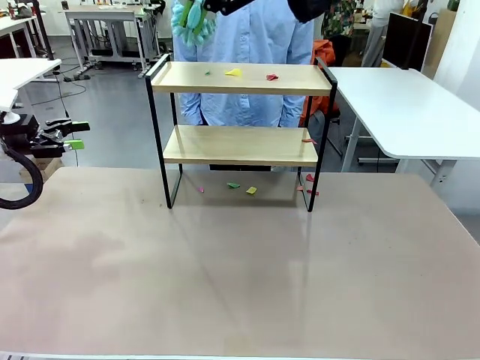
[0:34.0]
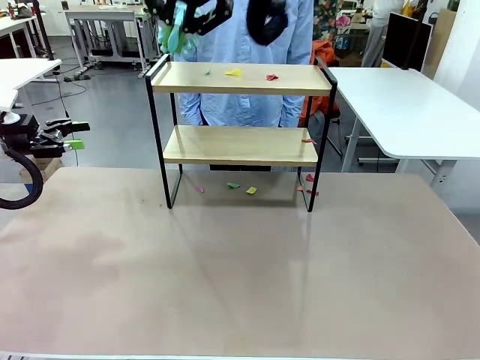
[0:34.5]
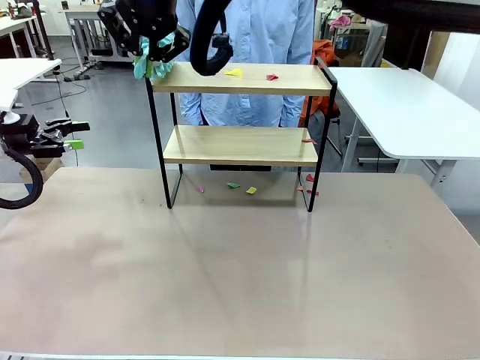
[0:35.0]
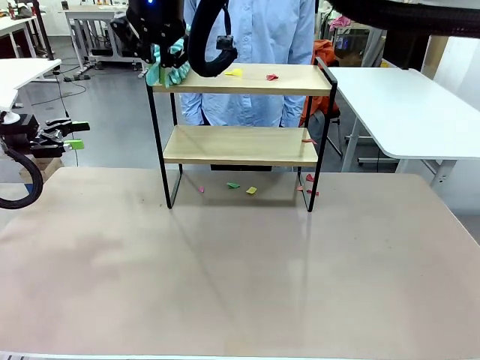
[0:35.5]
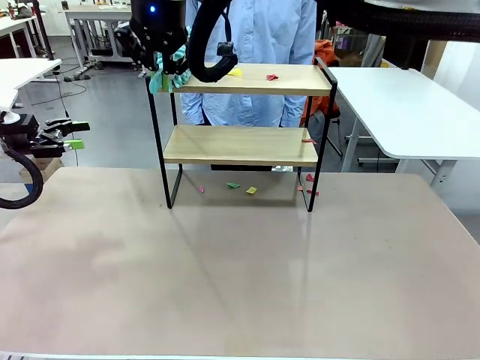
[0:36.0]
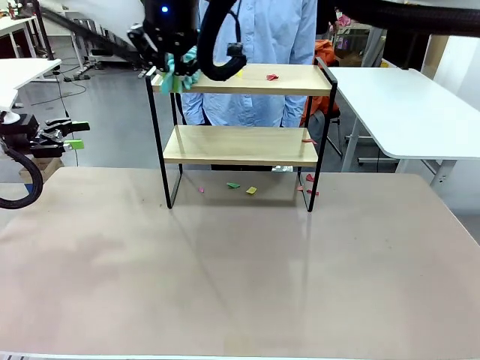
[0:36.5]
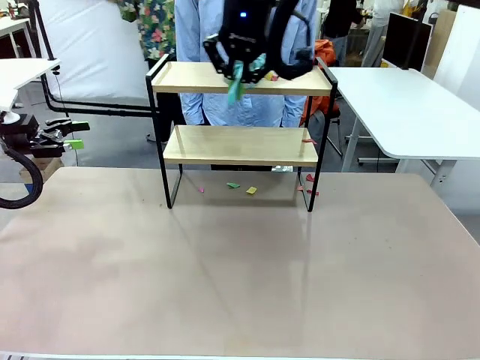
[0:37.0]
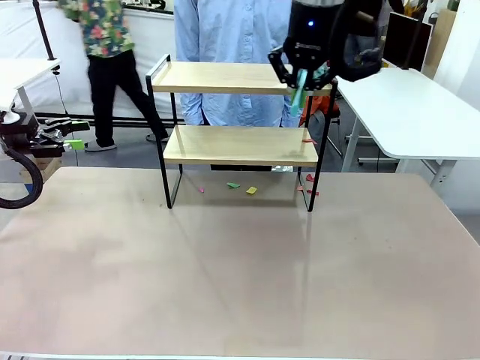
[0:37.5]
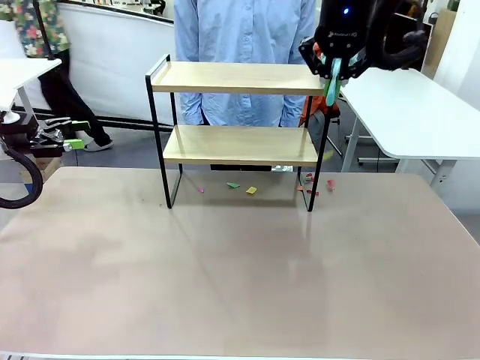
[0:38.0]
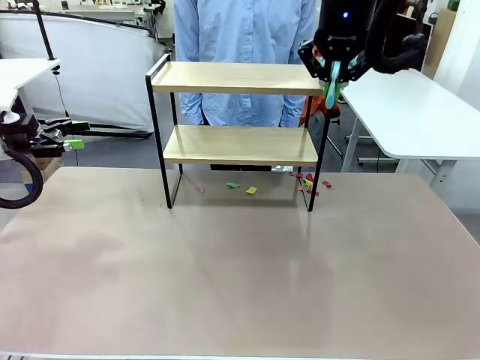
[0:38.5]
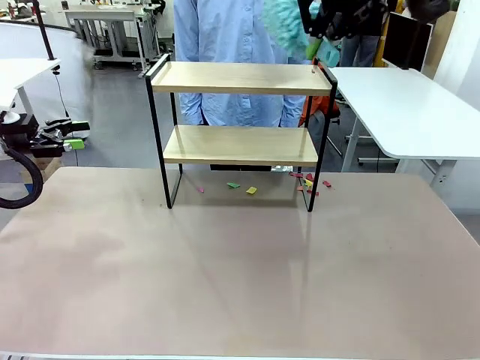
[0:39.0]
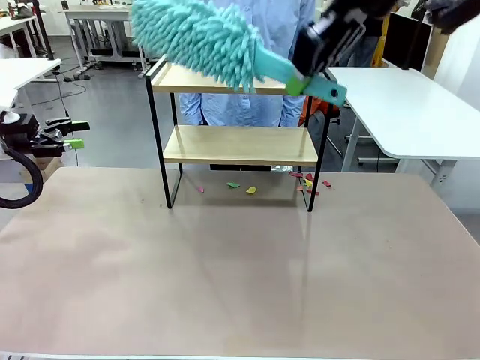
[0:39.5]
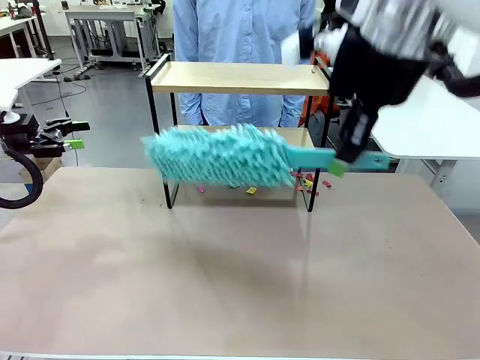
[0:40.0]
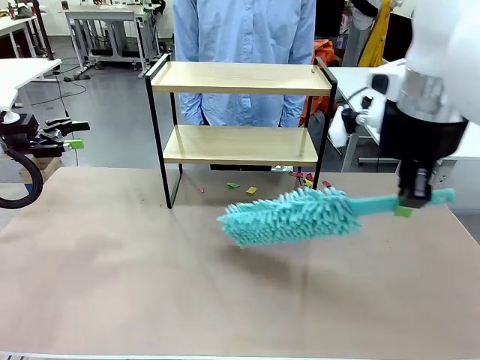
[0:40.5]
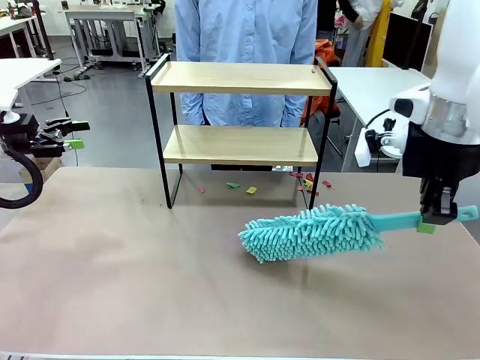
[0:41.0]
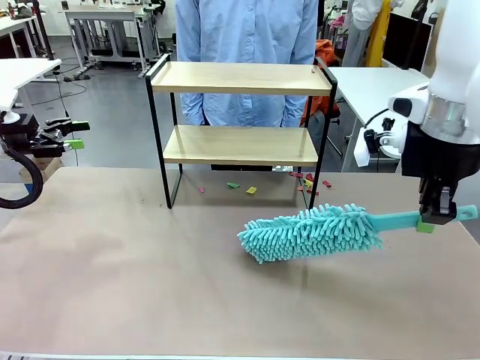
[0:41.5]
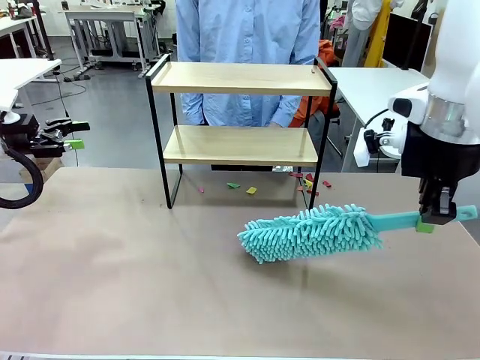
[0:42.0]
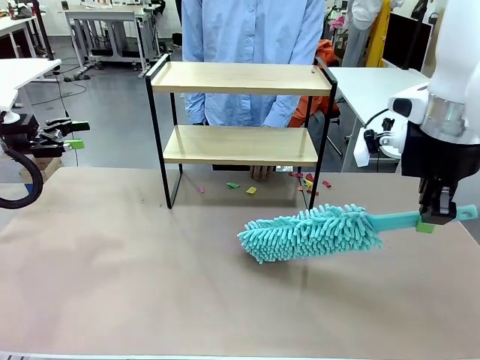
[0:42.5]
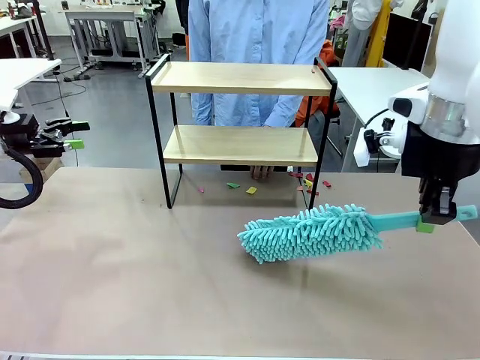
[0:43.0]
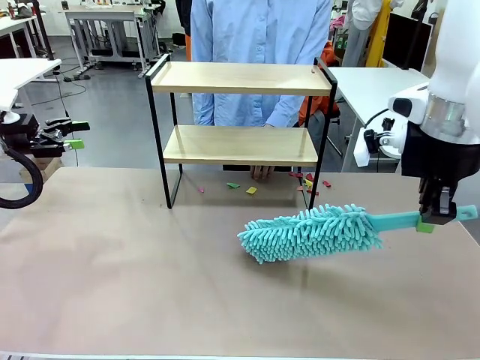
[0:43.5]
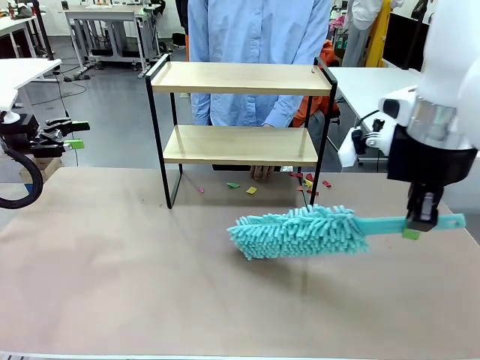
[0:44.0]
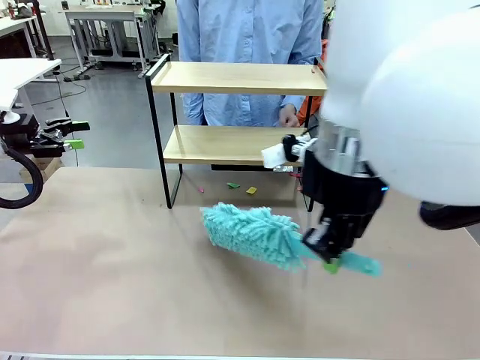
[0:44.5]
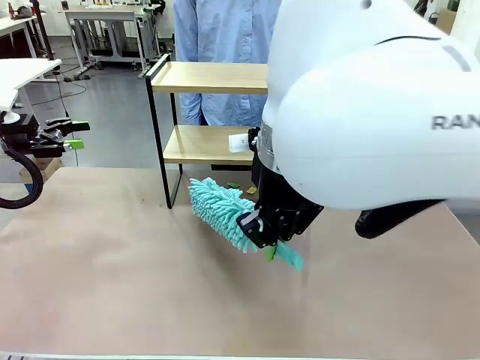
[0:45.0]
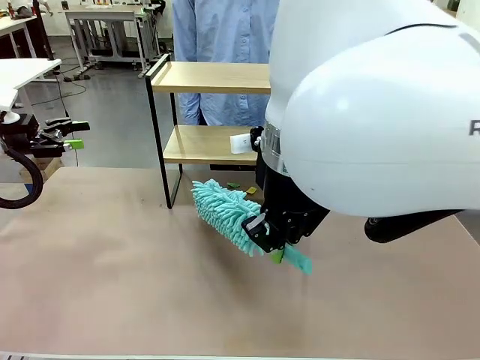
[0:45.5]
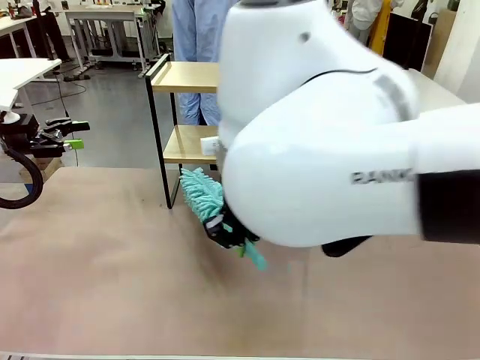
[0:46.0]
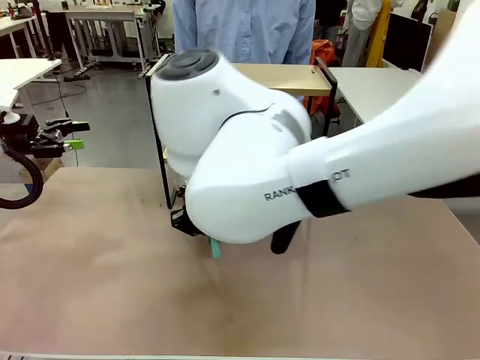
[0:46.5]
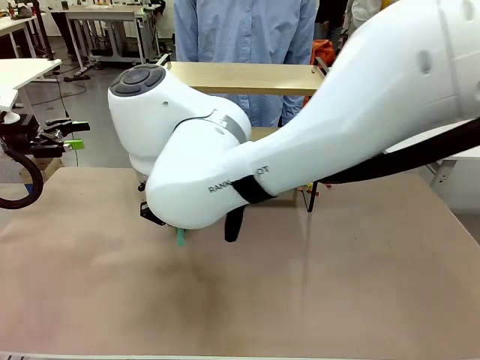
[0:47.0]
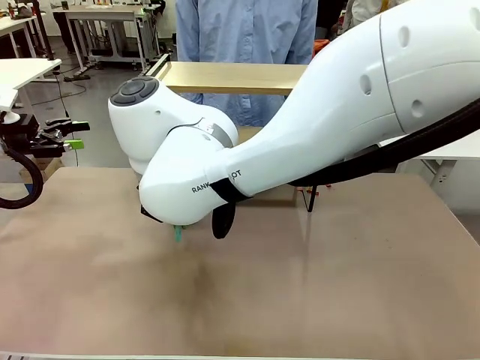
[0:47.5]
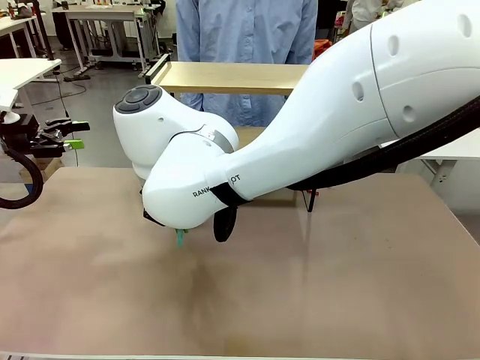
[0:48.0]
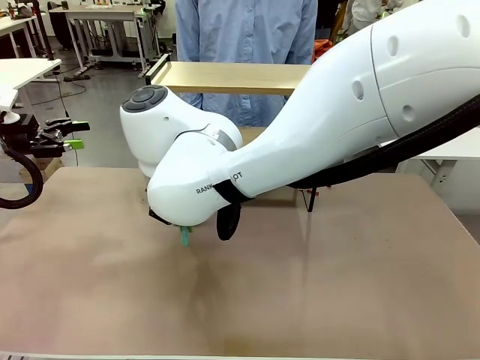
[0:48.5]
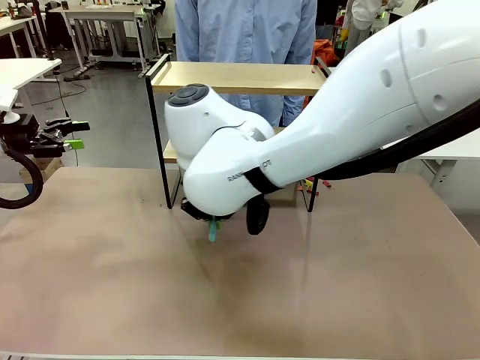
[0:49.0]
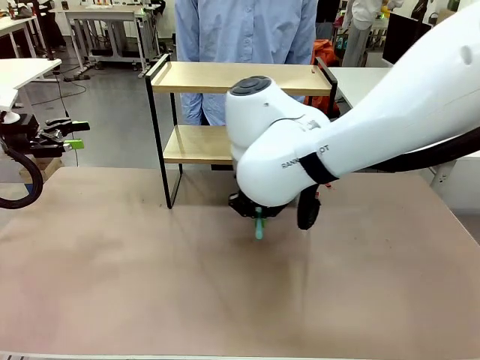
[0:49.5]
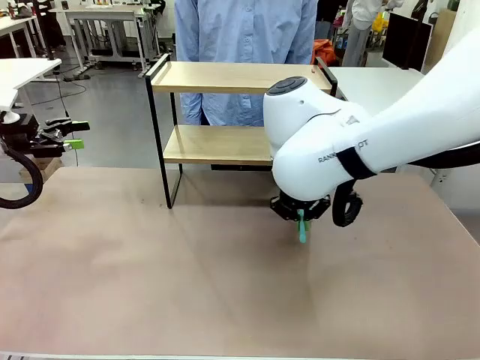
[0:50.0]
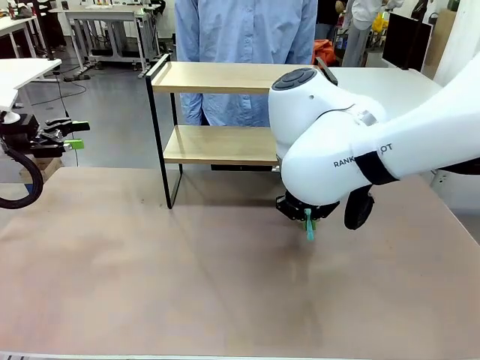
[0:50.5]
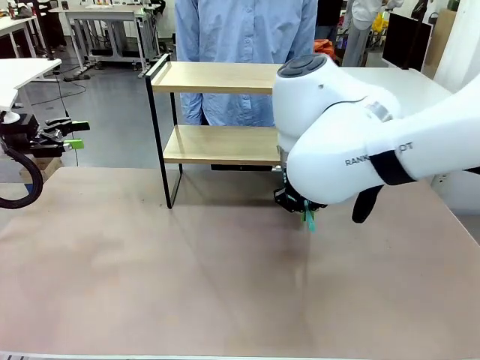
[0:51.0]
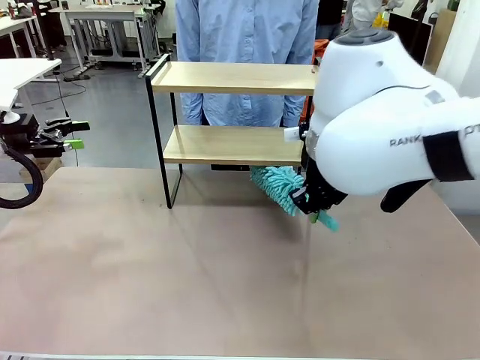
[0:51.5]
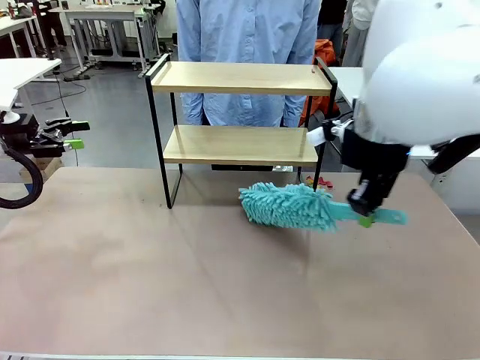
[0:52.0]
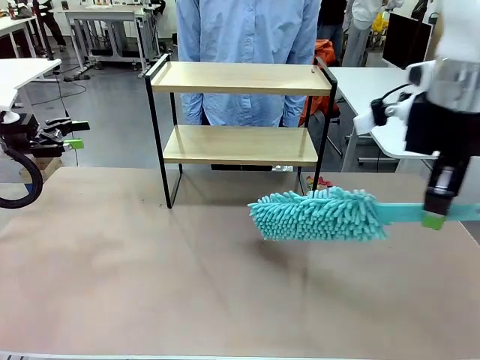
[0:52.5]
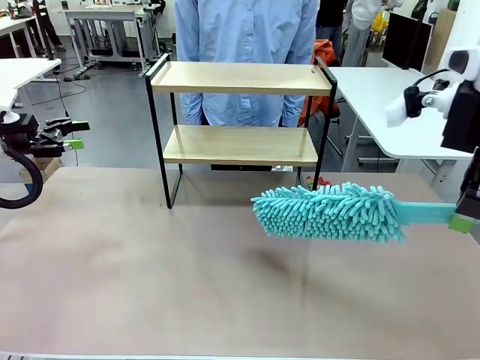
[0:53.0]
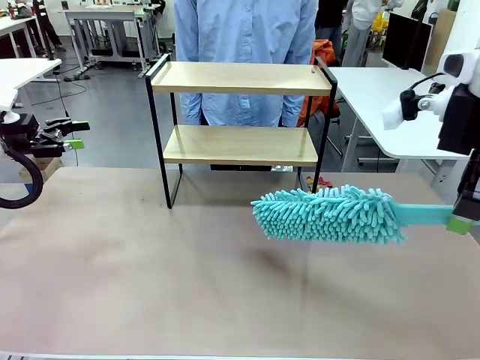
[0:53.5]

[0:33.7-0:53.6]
Task: Clean the shelf.
Robot: Clean the specific section of the Shelf indicated by the human with the Duster.
Person: Point a remaining section of the Shelf.
